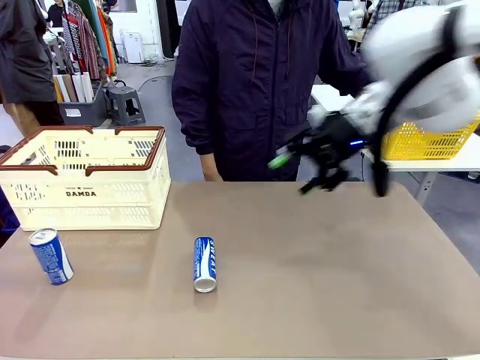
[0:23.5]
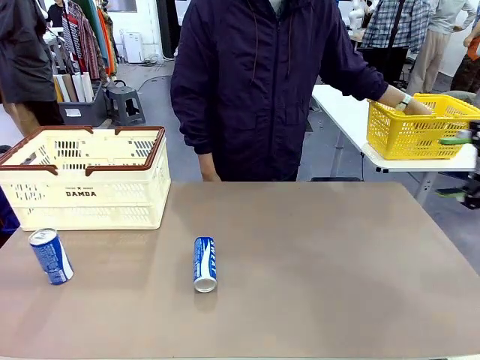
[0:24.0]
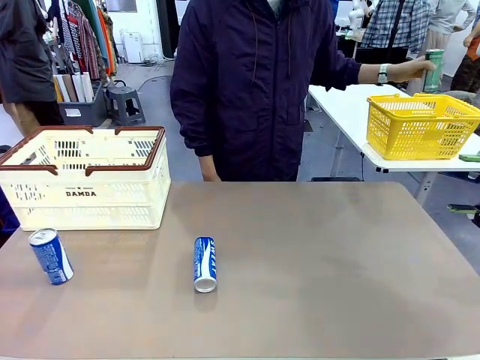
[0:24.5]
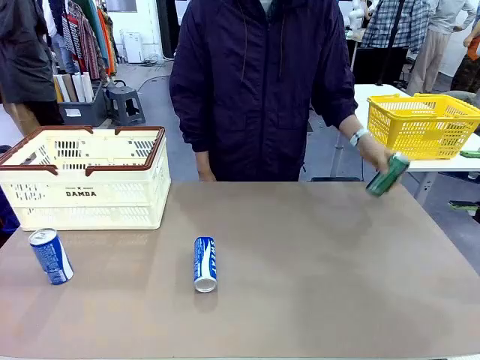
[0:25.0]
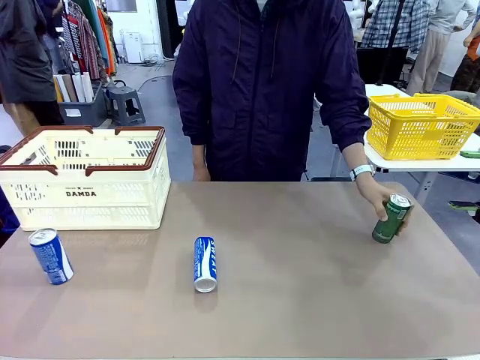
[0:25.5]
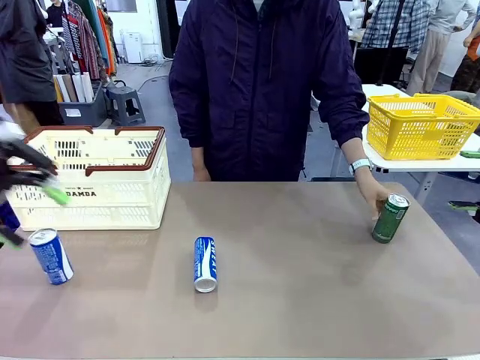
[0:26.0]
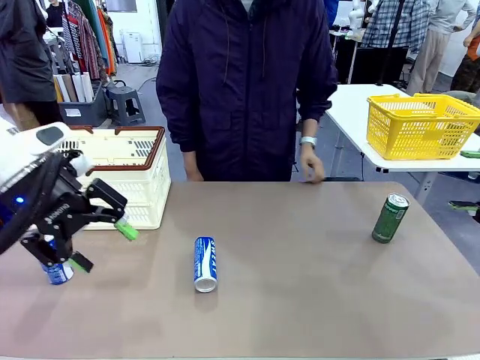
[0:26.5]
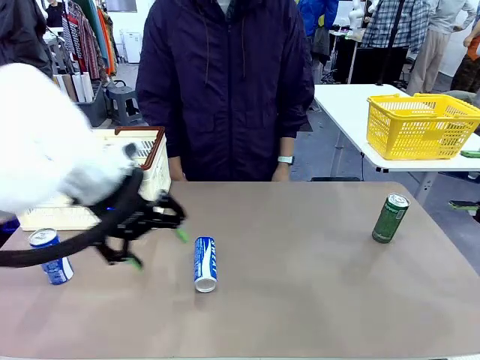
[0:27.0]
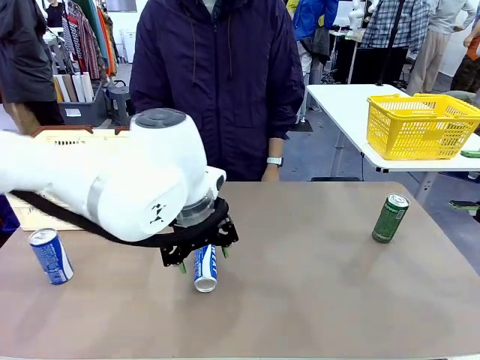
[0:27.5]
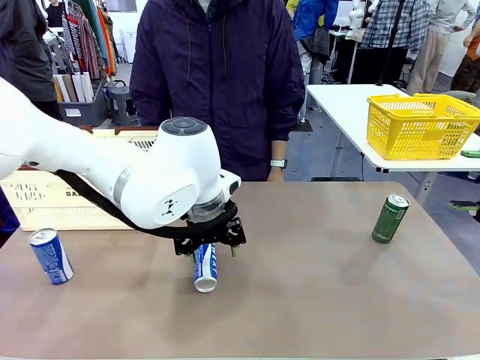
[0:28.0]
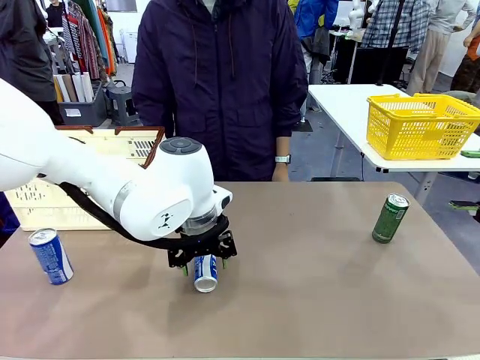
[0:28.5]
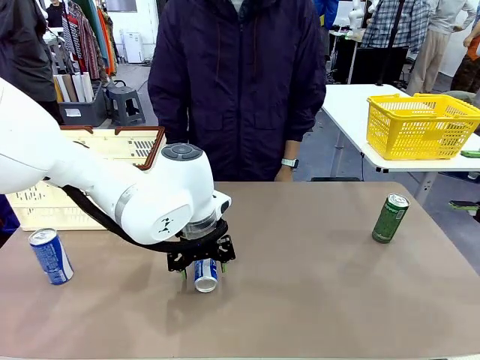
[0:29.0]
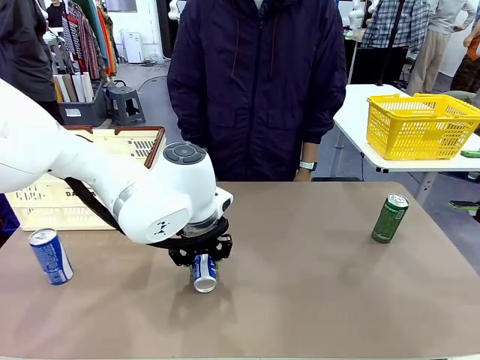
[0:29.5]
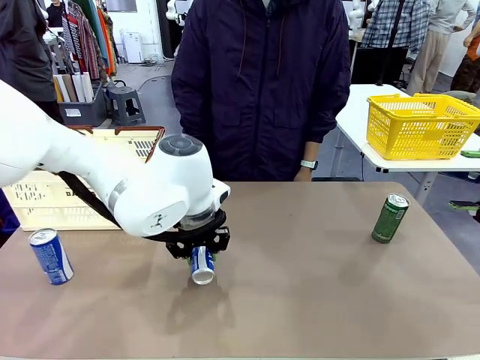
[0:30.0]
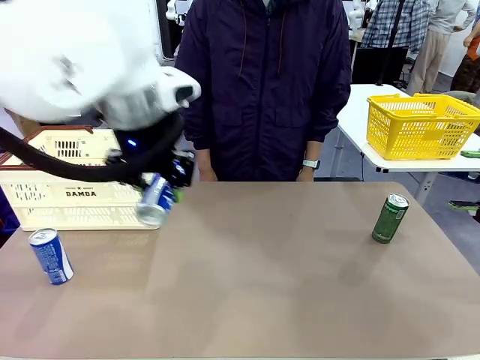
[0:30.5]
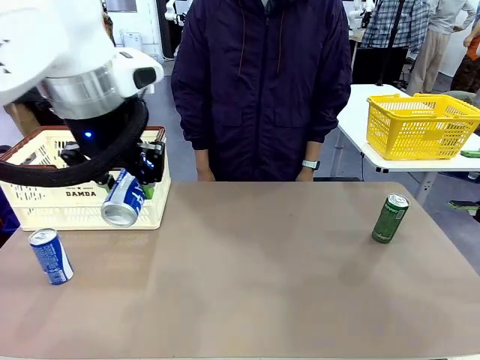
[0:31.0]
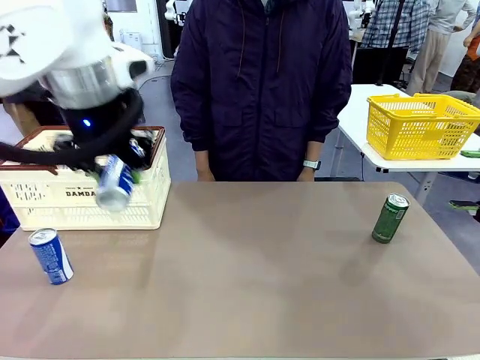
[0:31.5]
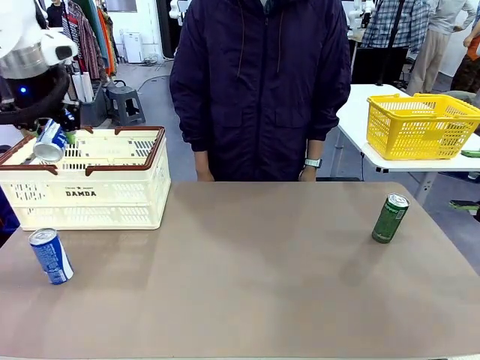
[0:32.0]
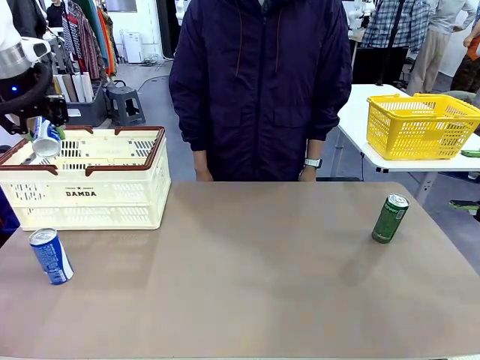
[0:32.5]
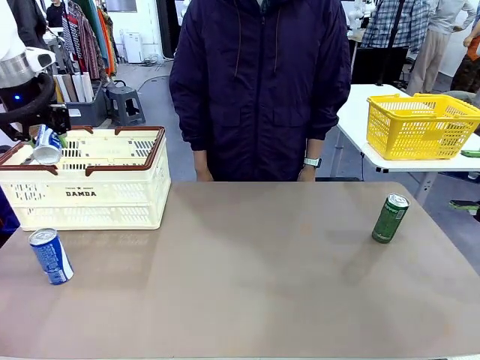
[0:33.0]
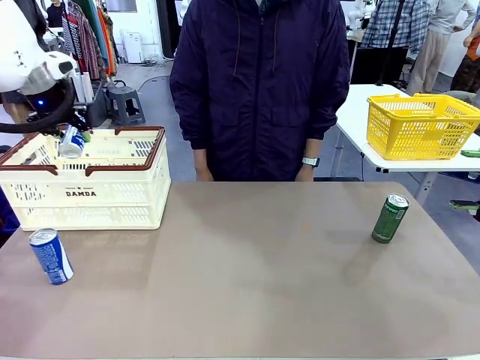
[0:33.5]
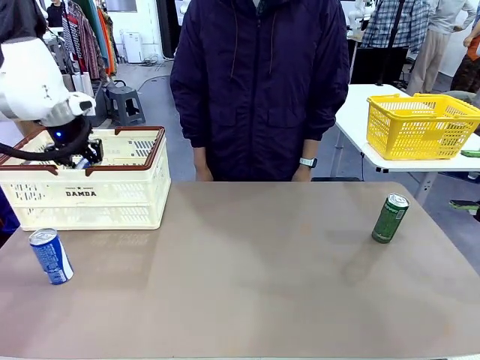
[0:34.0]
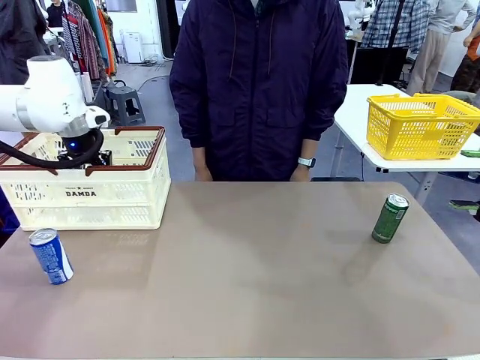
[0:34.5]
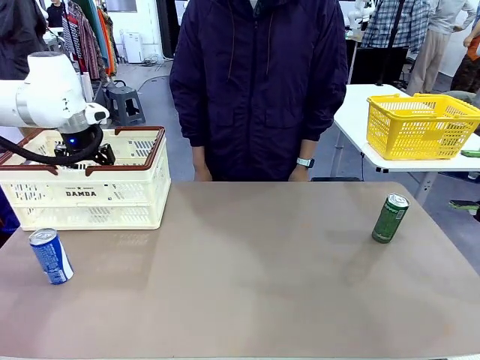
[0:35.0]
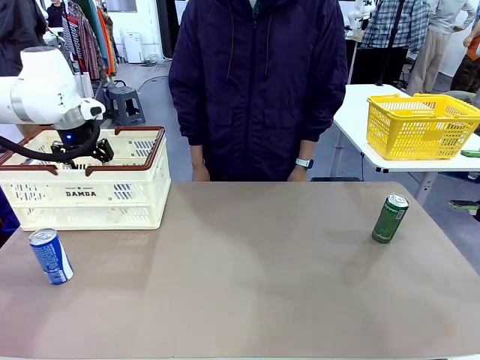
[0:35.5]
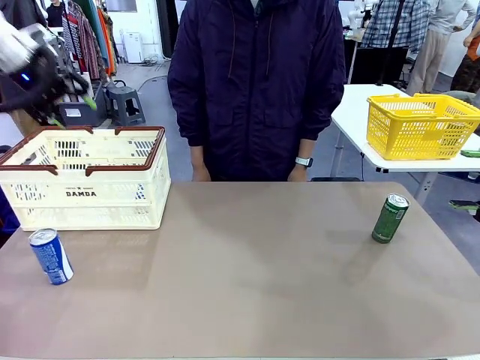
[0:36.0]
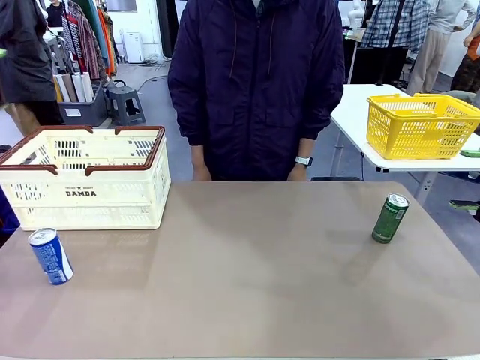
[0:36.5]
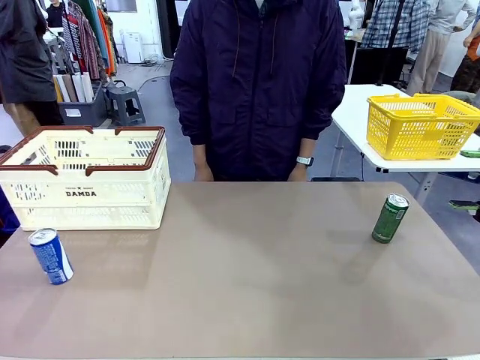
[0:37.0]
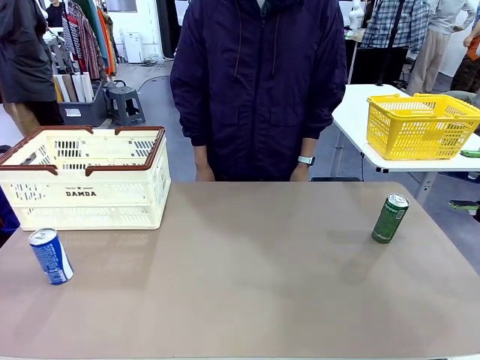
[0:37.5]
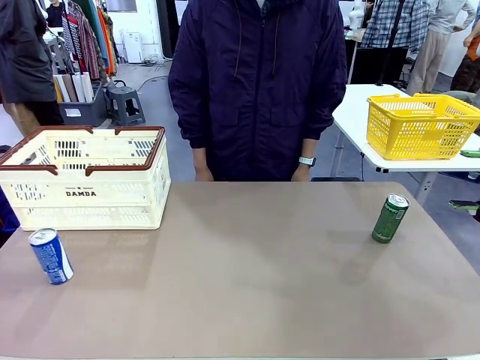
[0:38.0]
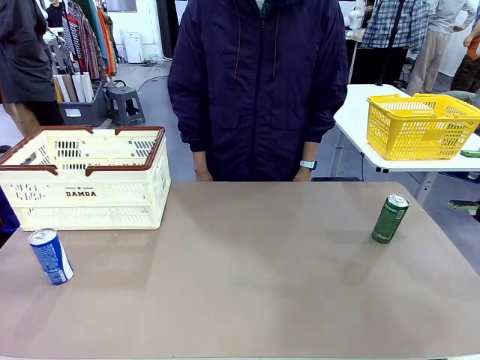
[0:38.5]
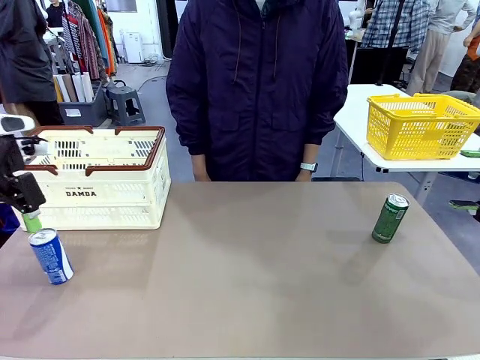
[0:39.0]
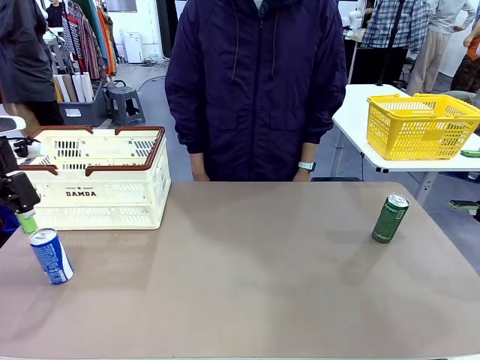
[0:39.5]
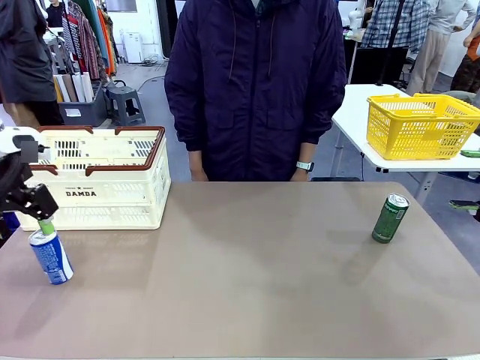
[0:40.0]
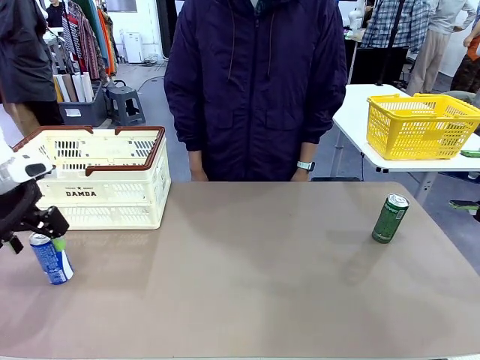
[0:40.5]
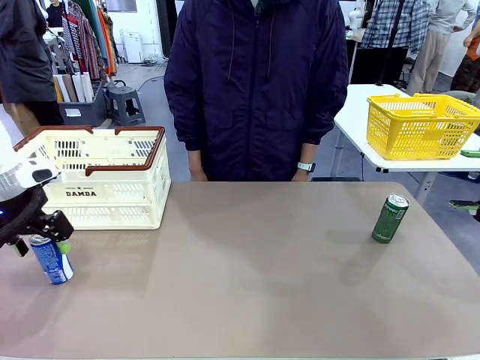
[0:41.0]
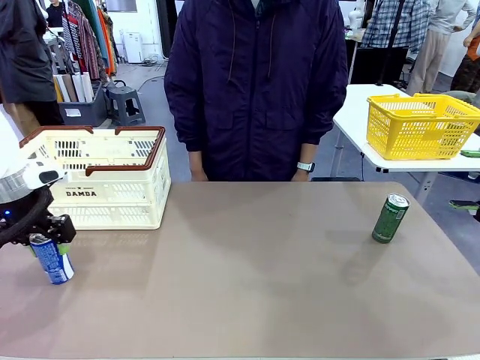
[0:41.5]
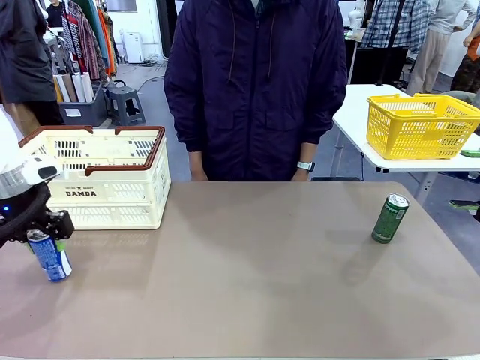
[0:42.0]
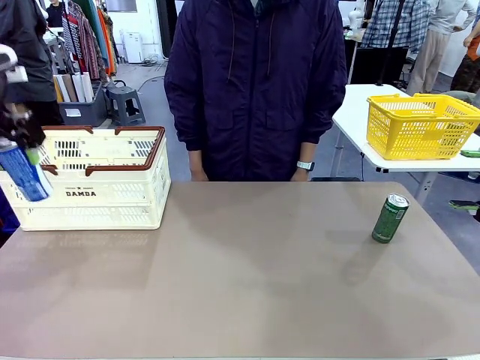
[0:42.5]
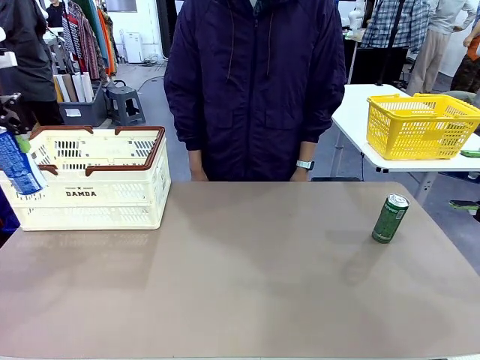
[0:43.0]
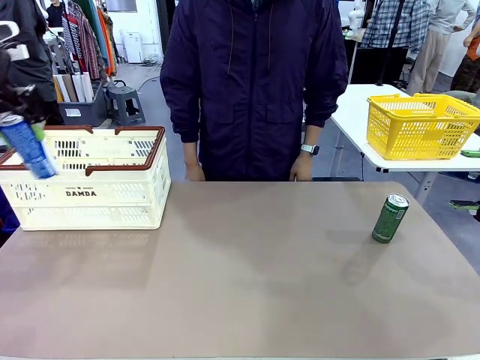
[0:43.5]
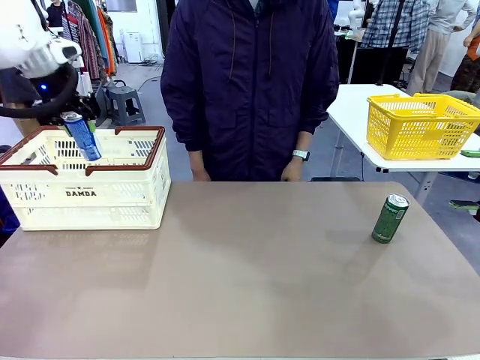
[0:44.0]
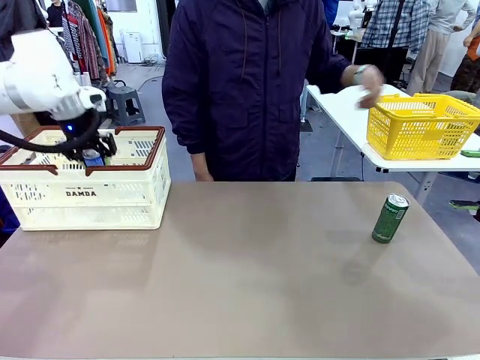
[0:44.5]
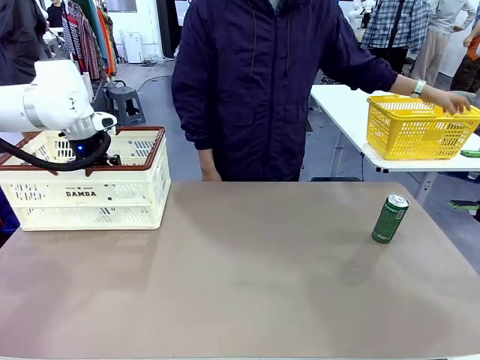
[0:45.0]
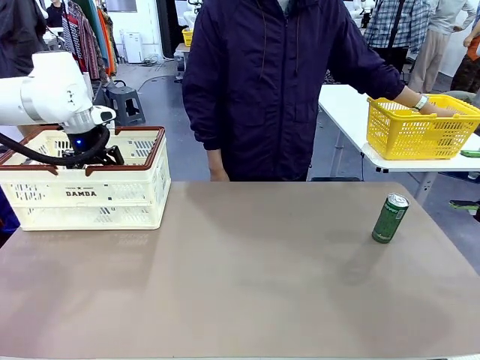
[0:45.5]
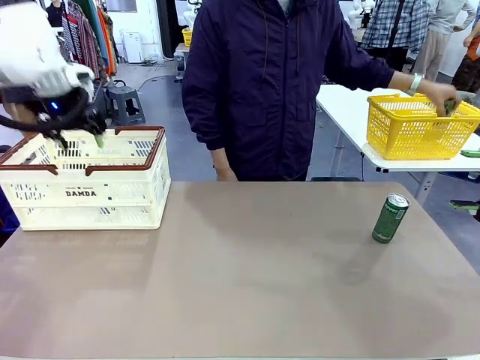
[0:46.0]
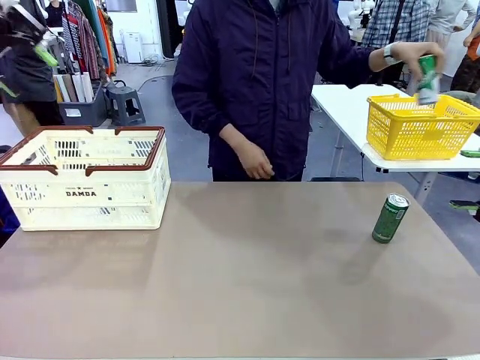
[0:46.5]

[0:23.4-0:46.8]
Task: Place the drinks into the Shopping basket.
Robot: Pick up one drink and place it into the Shopping basket.
